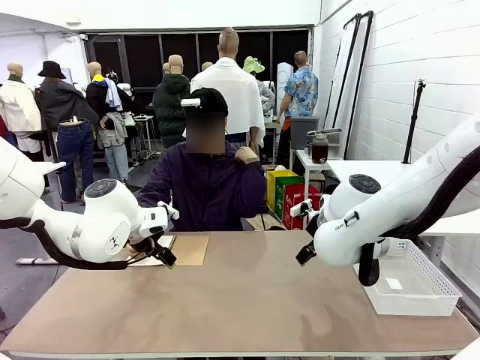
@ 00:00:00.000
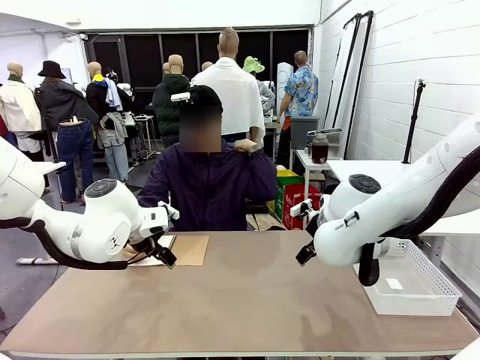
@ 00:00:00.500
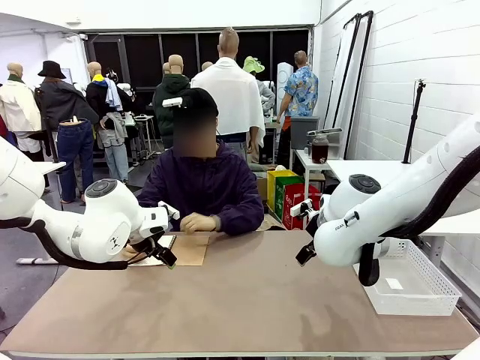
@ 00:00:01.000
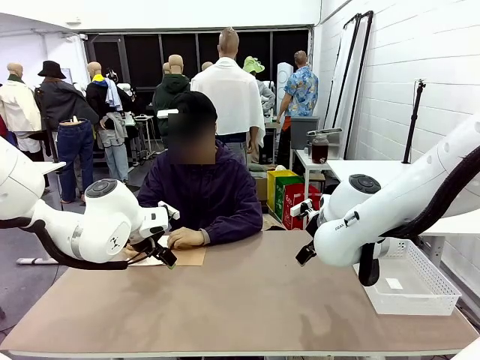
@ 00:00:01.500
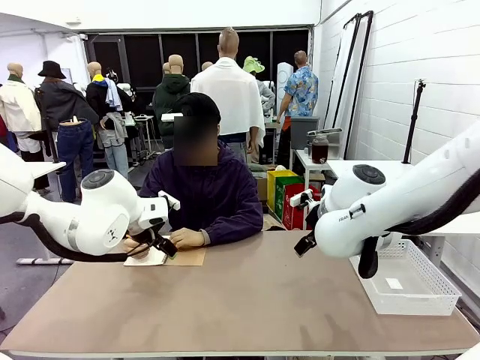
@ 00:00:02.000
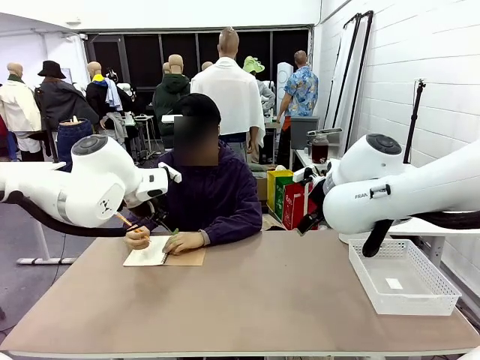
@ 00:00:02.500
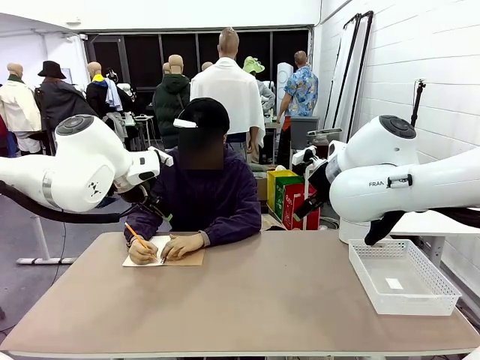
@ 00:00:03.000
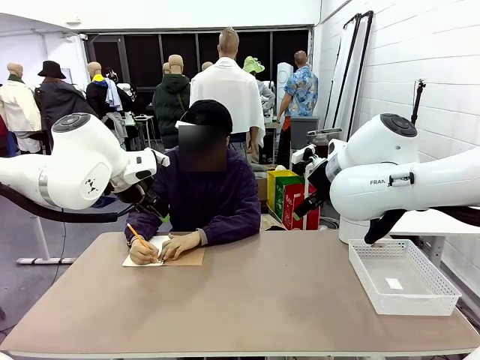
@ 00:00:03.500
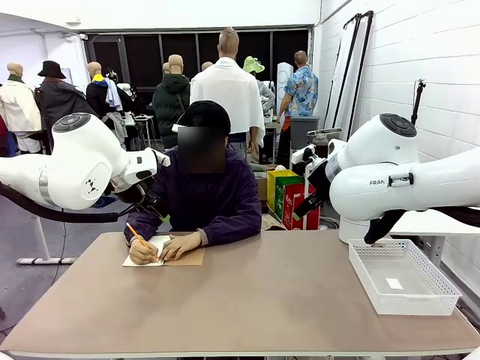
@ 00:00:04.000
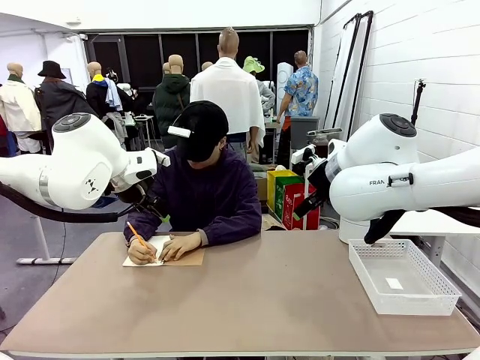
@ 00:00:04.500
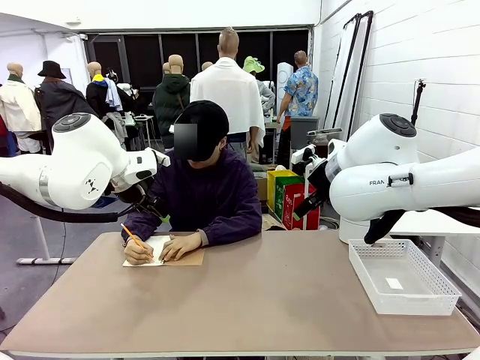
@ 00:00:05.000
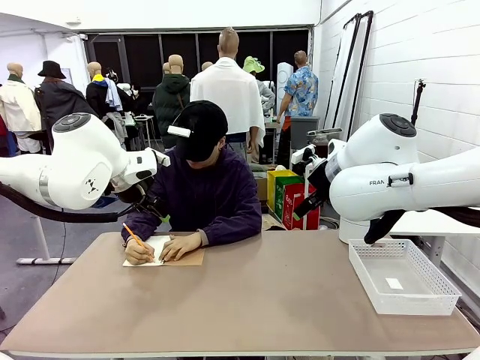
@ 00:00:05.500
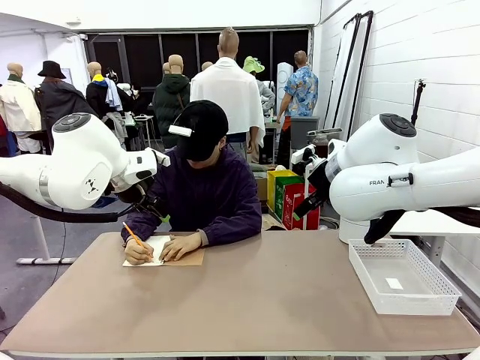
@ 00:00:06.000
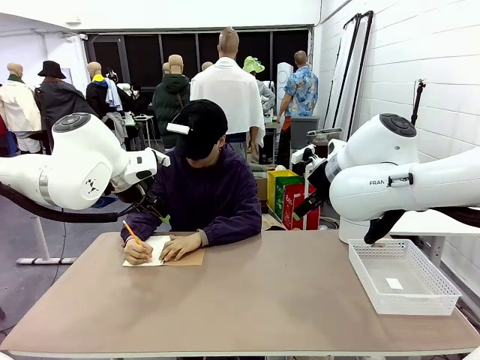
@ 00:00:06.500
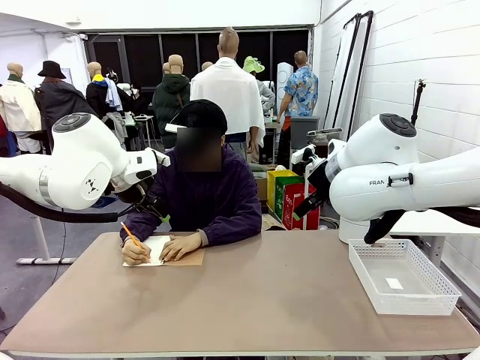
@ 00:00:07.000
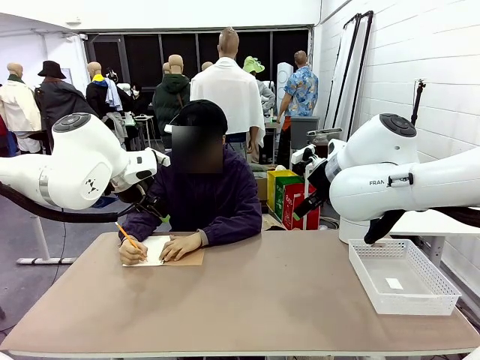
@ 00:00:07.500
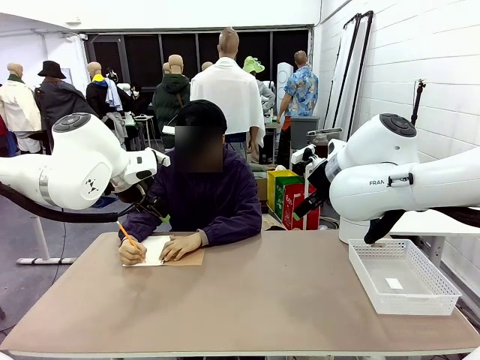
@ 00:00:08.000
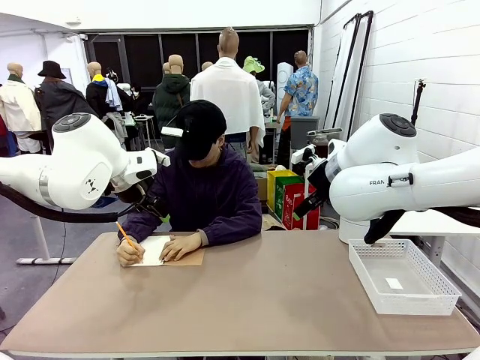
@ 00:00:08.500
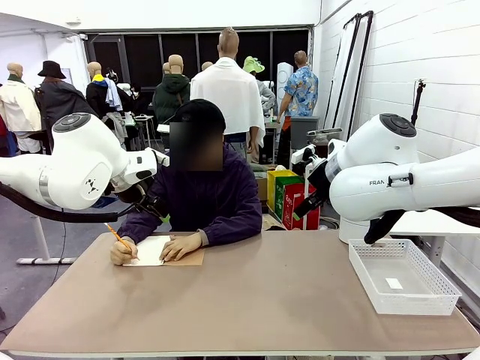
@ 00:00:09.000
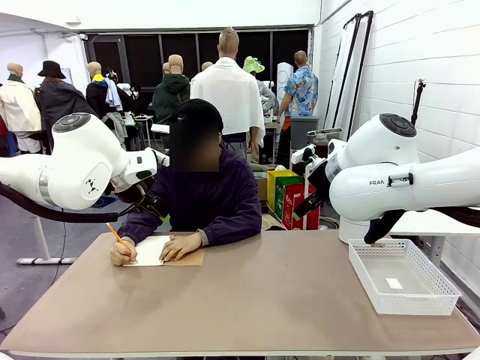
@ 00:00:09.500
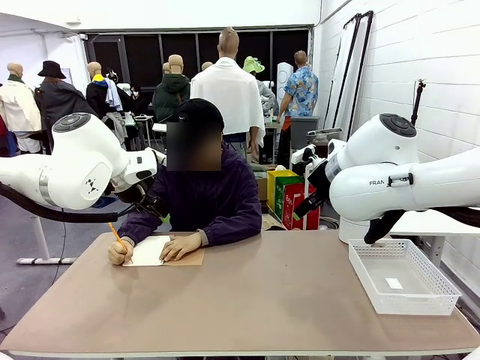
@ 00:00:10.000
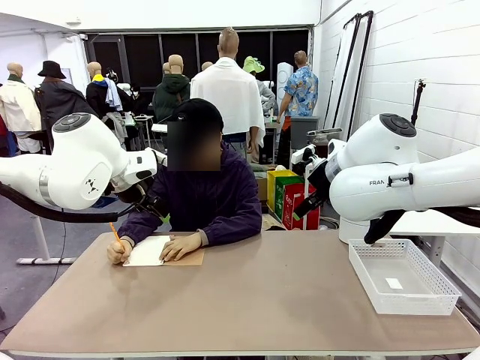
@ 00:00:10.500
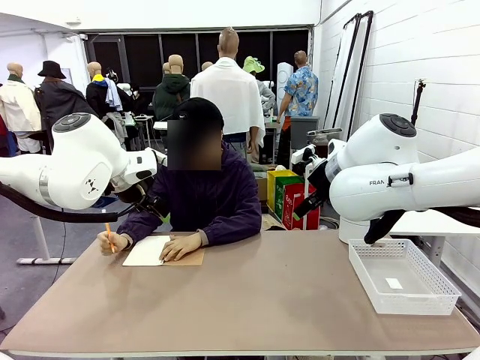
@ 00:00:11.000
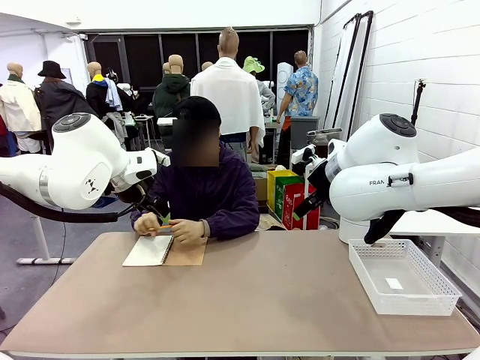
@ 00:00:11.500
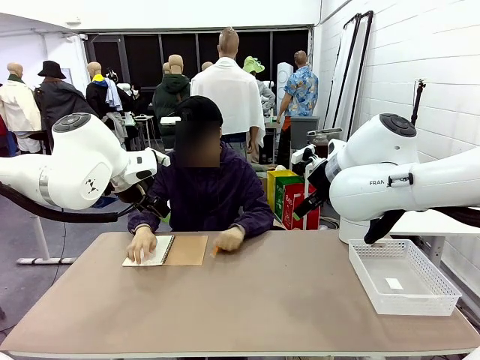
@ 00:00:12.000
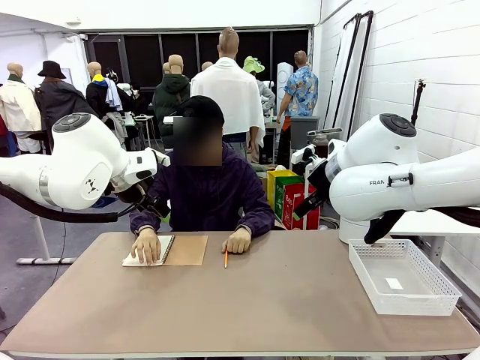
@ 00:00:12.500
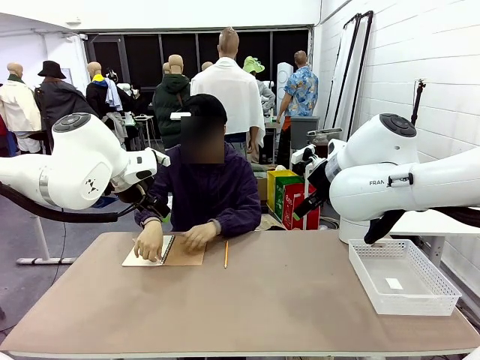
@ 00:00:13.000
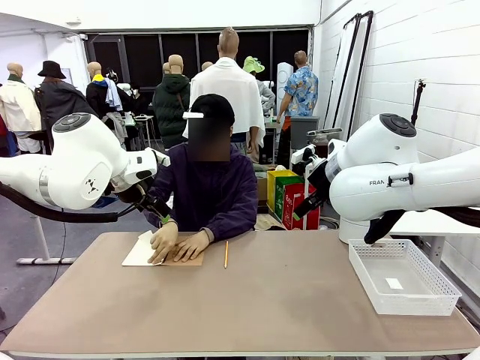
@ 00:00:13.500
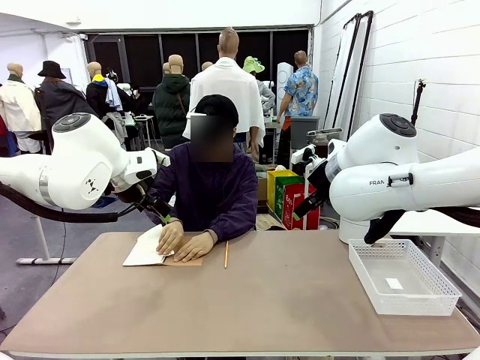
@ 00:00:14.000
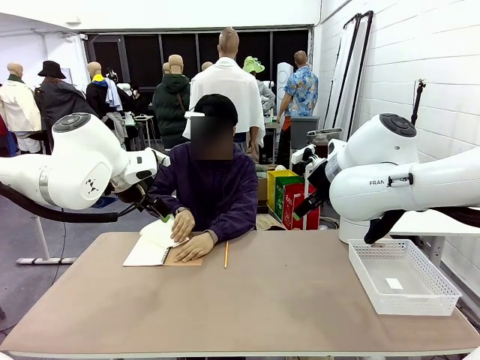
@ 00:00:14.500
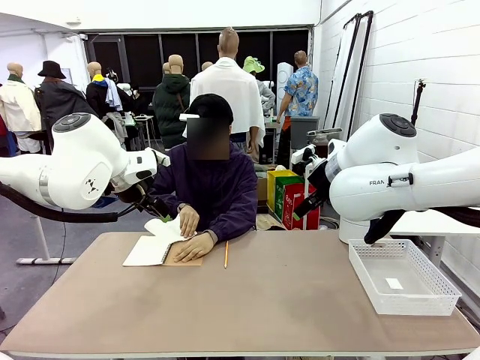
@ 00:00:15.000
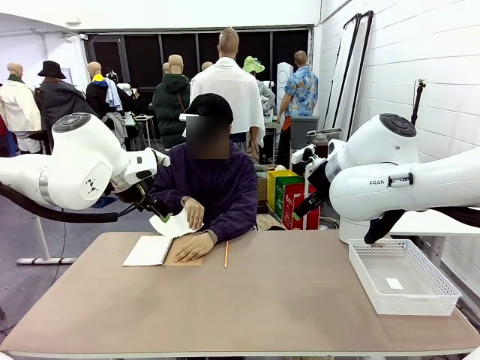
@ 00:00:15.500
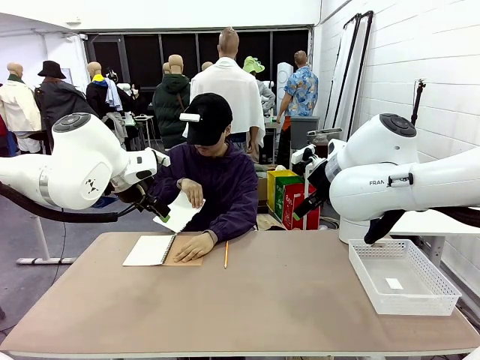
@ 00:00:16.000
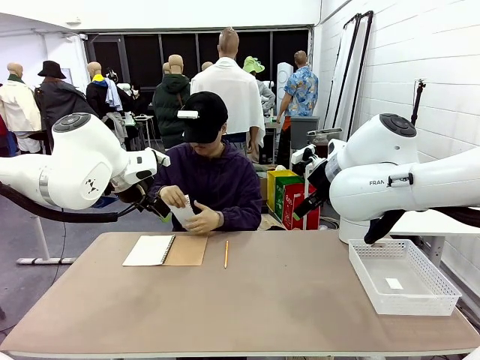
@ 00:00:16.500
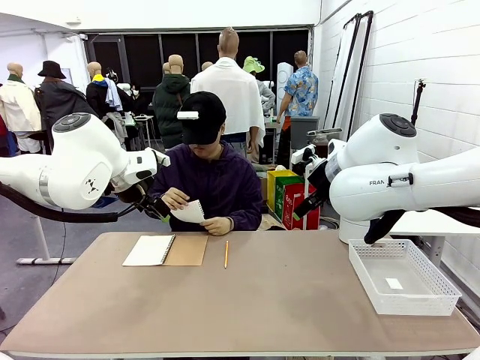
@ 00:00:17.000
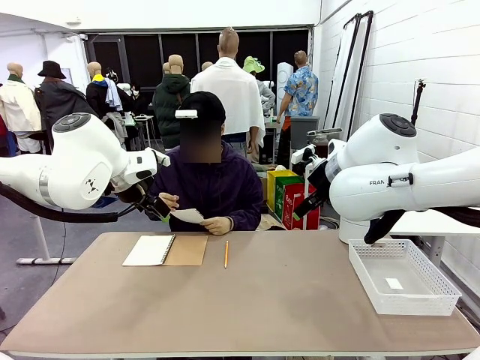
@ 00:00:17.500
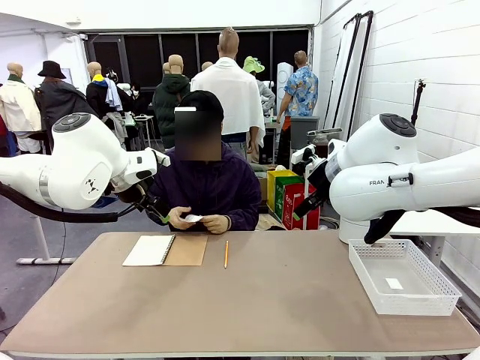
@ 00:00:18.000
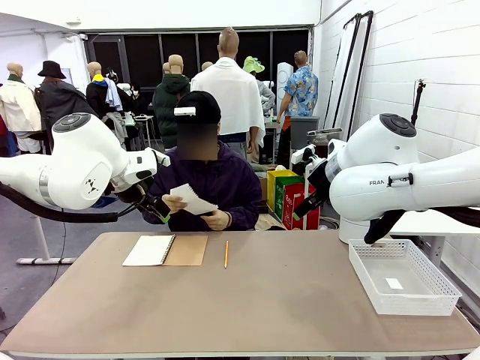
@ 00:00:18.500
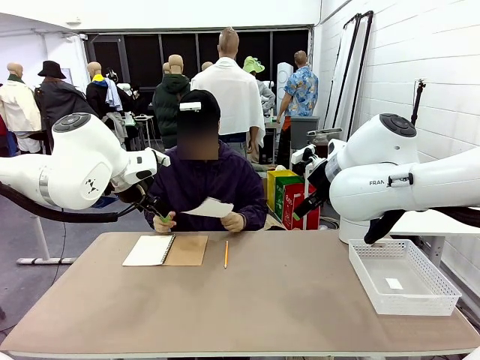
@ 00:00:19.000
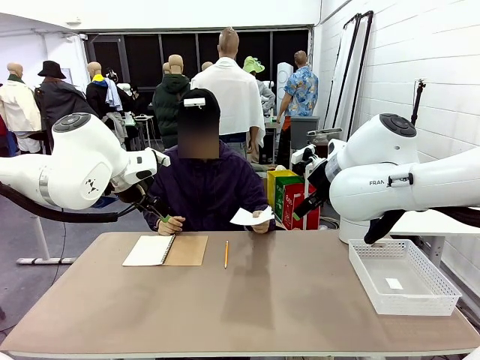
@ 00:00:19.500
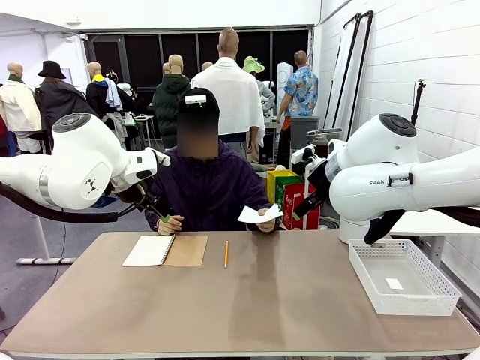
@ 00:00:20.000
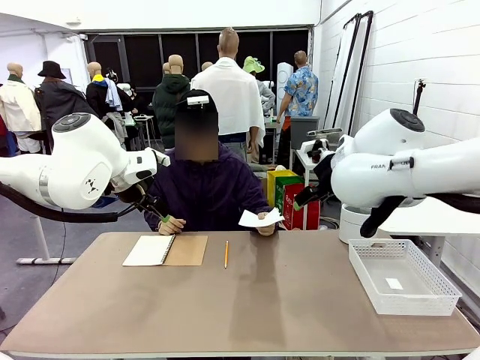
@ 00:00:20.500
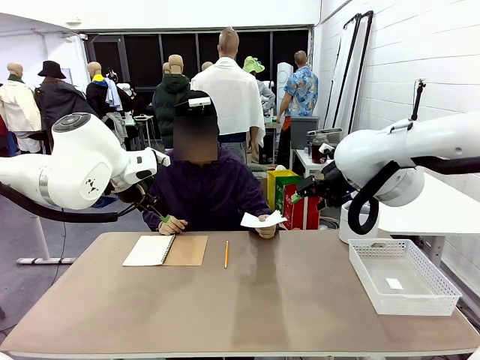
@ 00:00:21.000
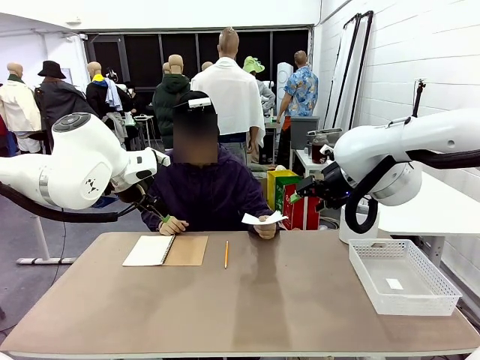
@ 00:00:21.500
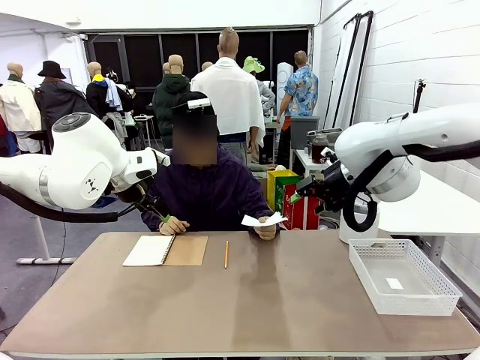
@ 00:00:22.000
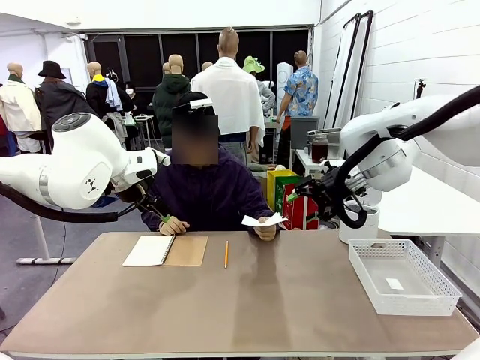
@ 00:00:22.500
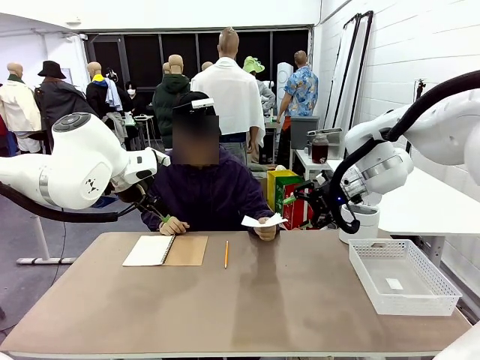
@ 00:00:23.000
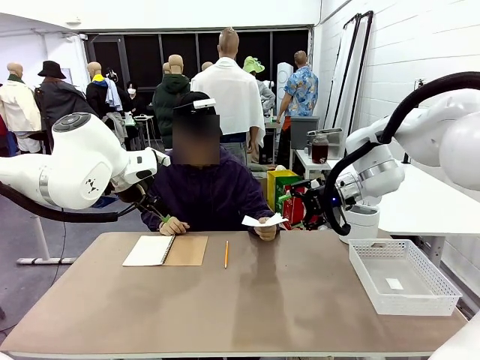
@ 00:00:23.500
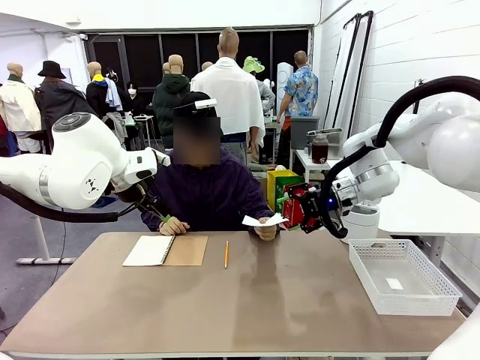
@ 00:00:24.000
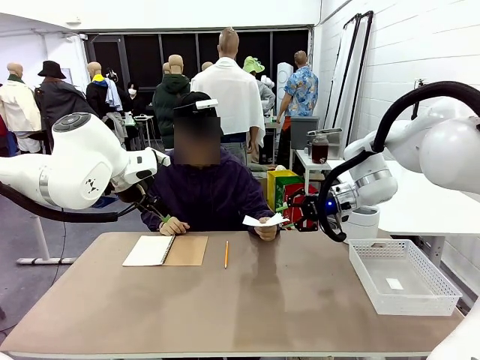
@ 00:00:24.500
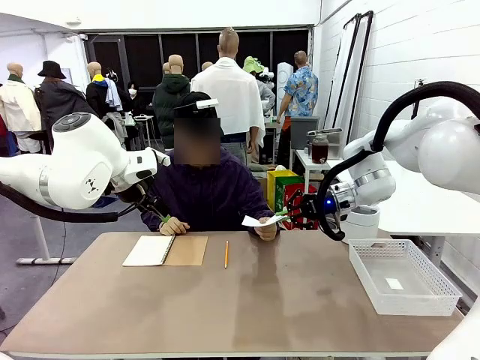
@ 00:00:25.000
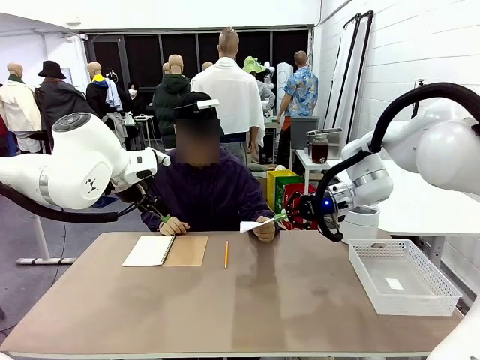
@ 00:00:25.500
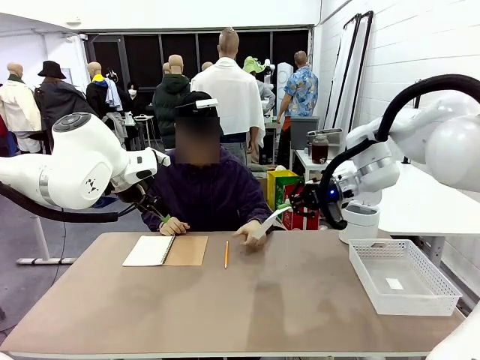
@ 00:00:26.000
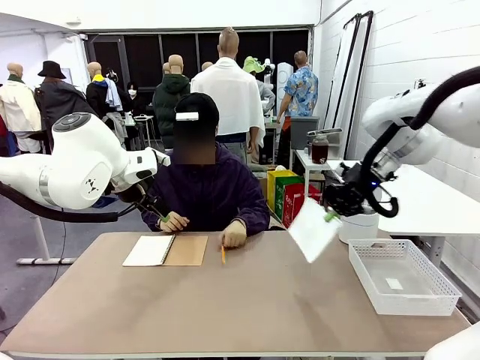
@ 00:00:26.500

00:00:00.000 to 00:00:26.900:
Task: Sort the paper based on its condition.
Robot: If a person hands you a paper, place it in the Organizing basket , and if it's crumpled, put it in the Trash can.
Person: Tear out a page from the spiral notebook. Hand the torn page to the robot or crumple it and throw it to the center of the table.
